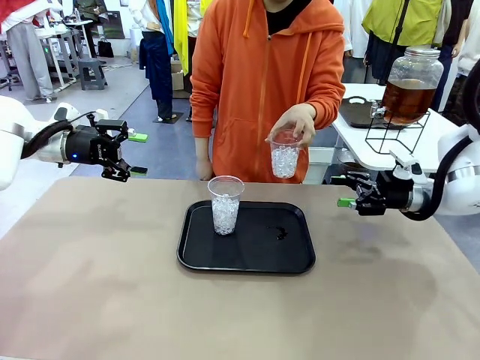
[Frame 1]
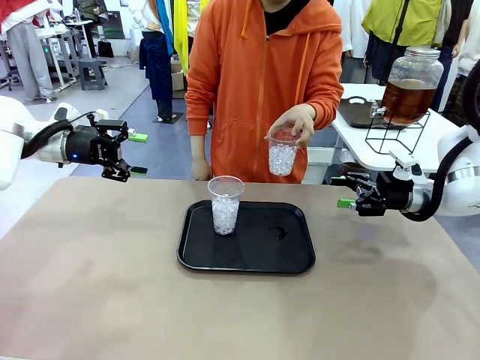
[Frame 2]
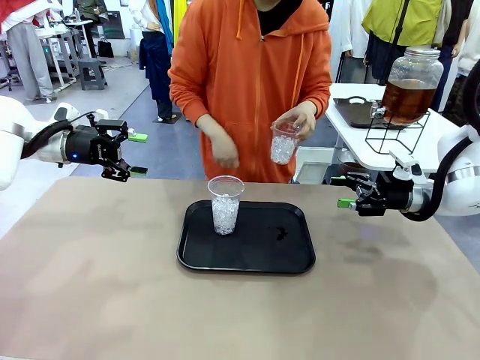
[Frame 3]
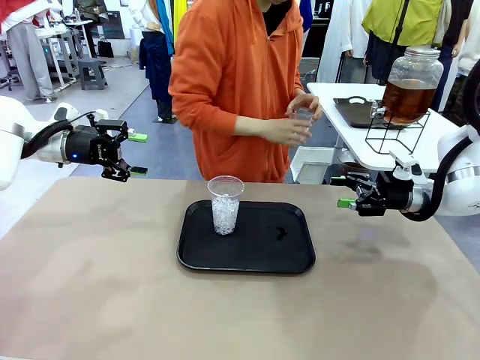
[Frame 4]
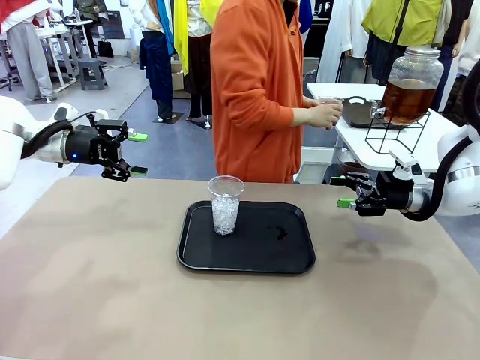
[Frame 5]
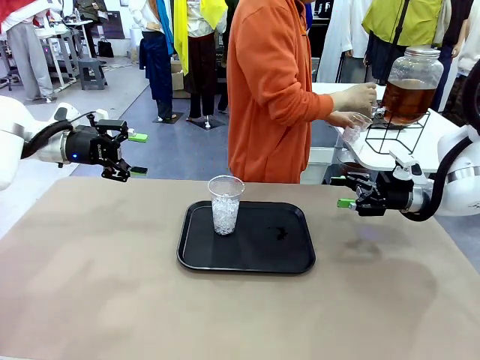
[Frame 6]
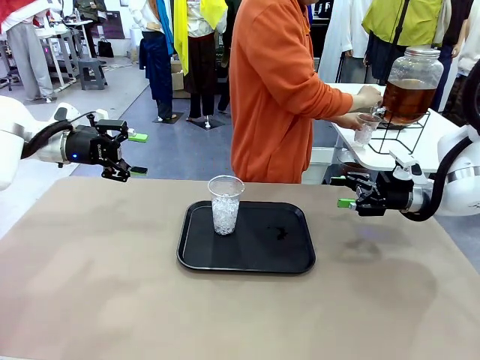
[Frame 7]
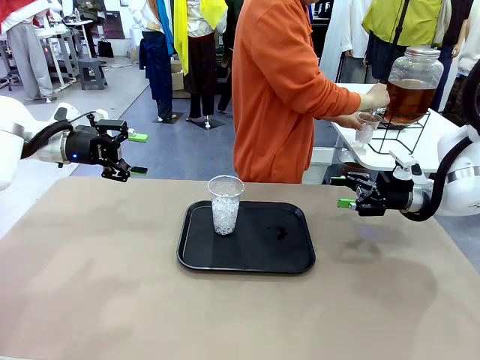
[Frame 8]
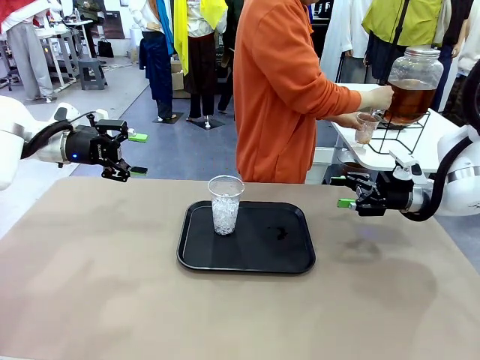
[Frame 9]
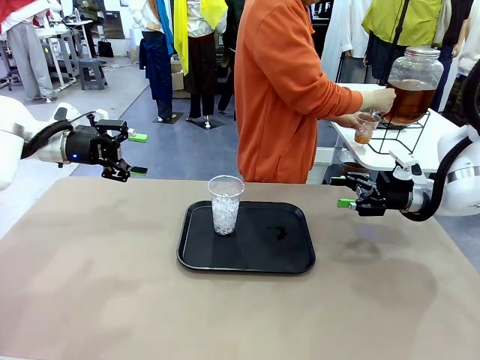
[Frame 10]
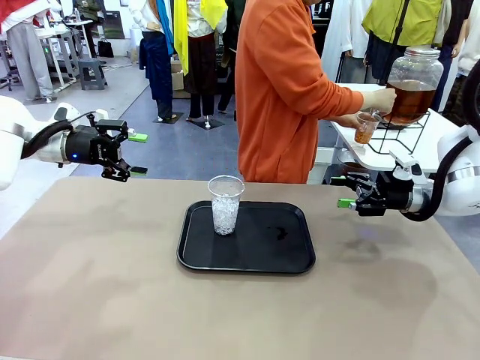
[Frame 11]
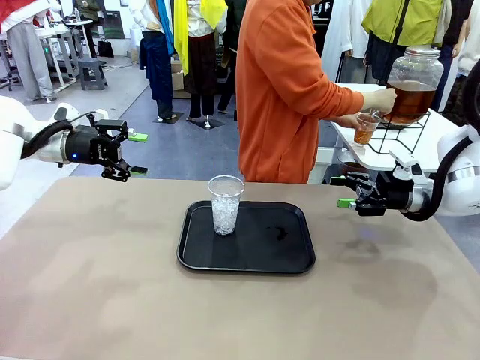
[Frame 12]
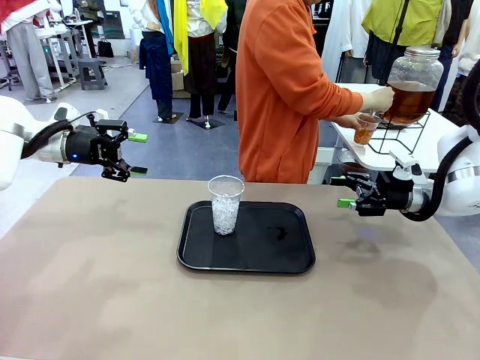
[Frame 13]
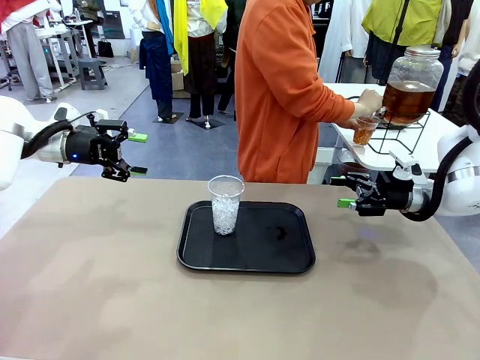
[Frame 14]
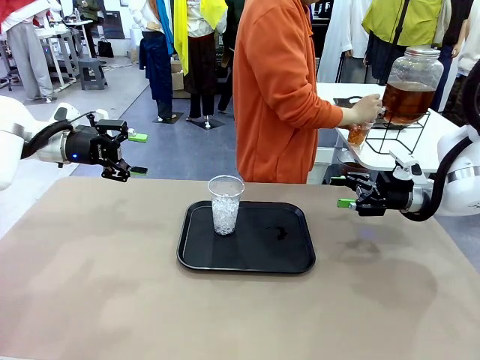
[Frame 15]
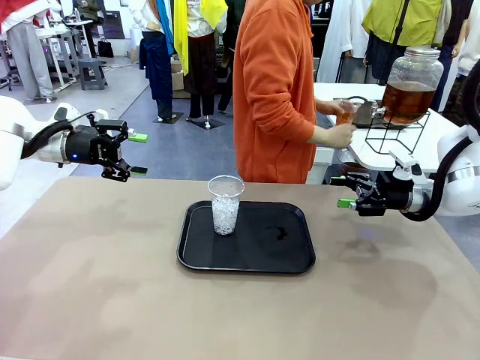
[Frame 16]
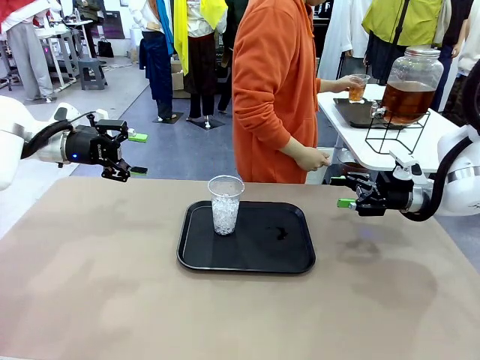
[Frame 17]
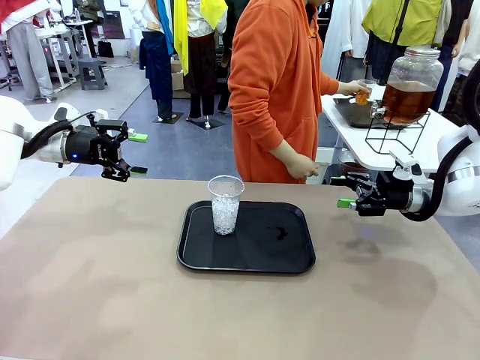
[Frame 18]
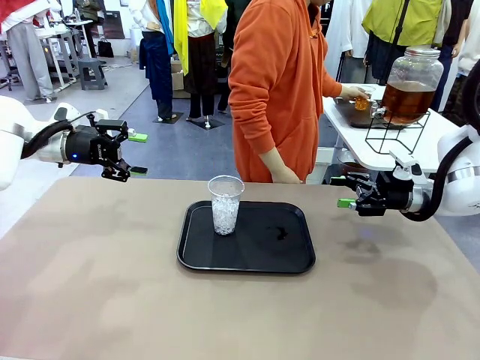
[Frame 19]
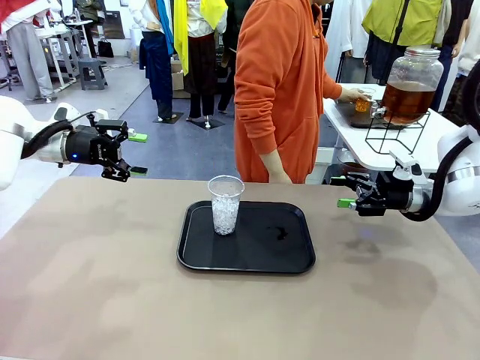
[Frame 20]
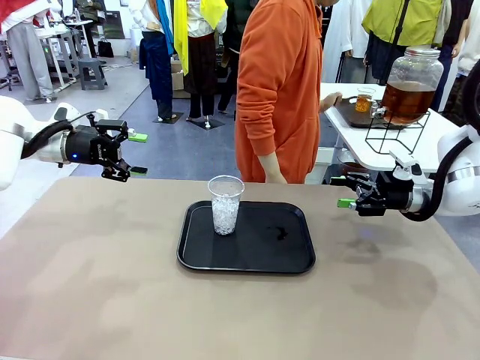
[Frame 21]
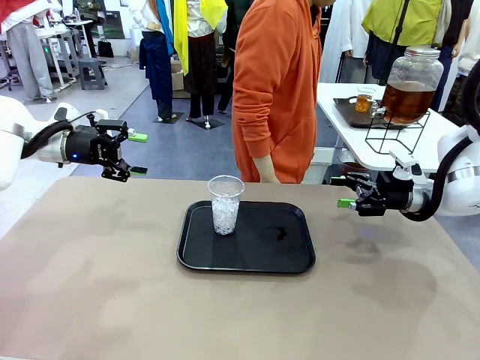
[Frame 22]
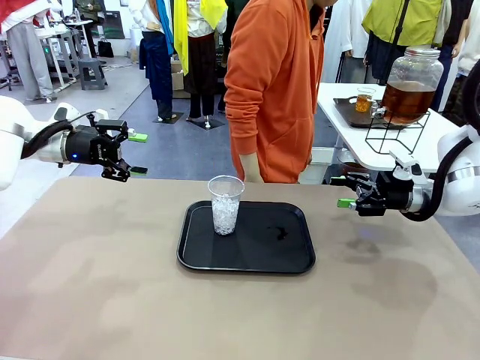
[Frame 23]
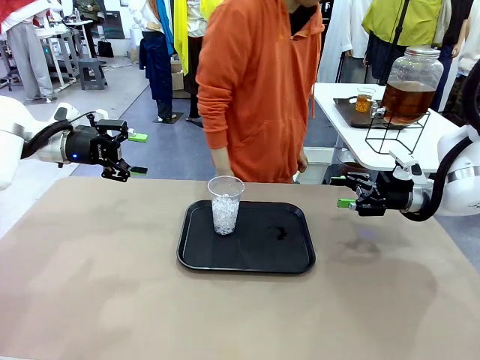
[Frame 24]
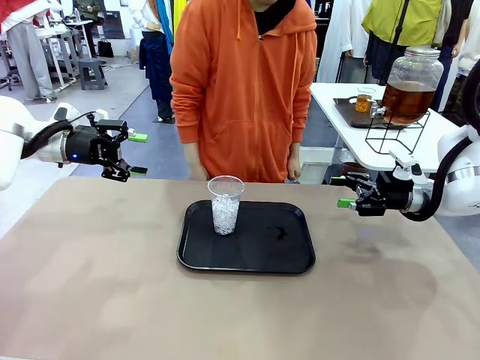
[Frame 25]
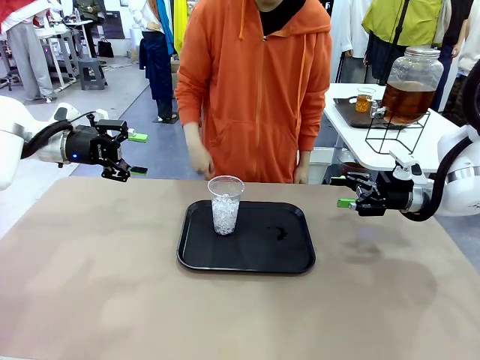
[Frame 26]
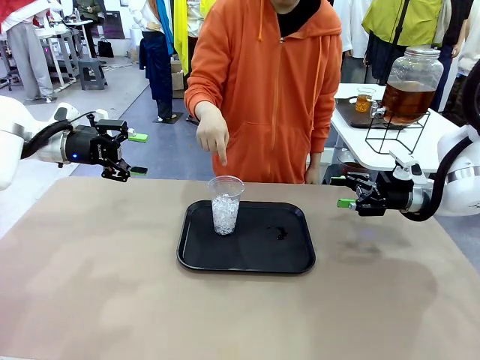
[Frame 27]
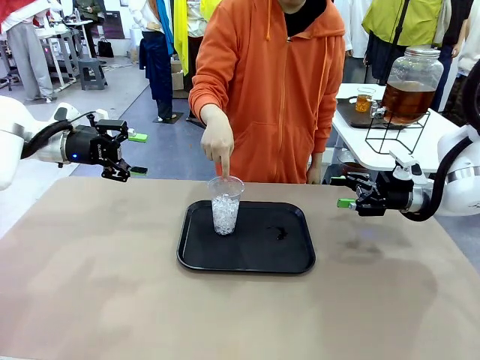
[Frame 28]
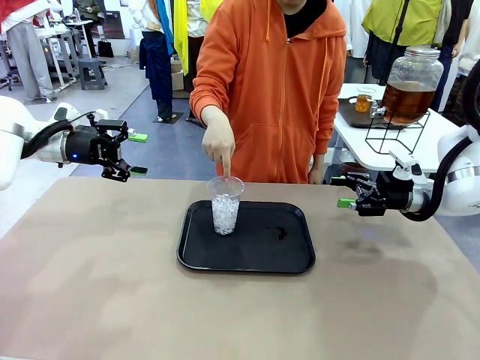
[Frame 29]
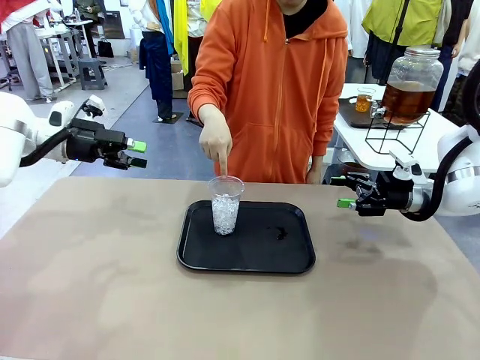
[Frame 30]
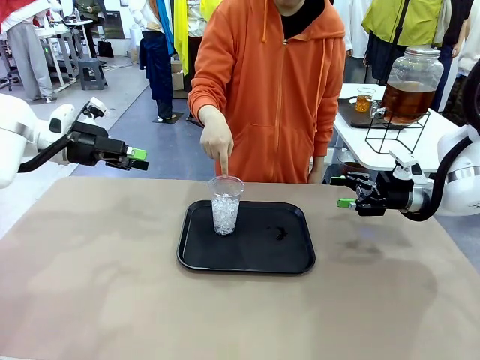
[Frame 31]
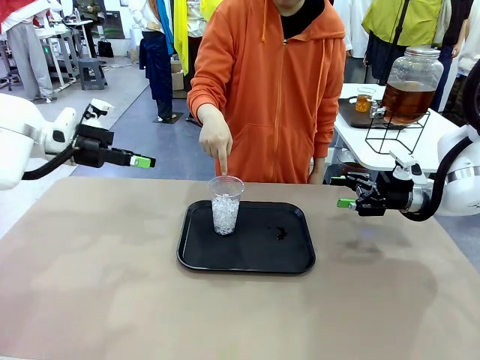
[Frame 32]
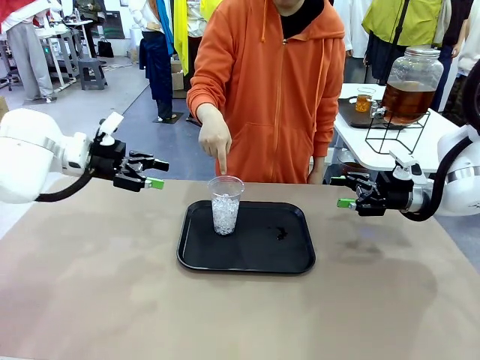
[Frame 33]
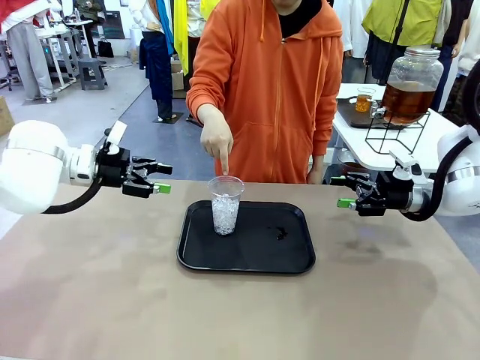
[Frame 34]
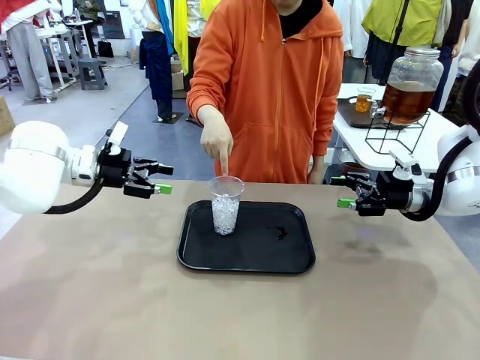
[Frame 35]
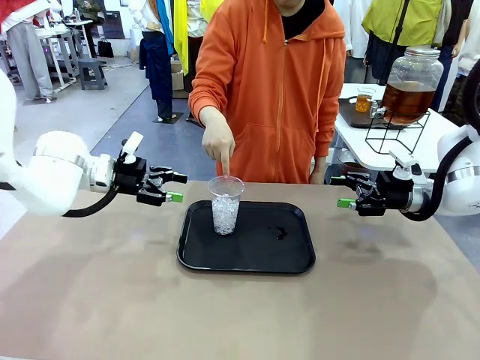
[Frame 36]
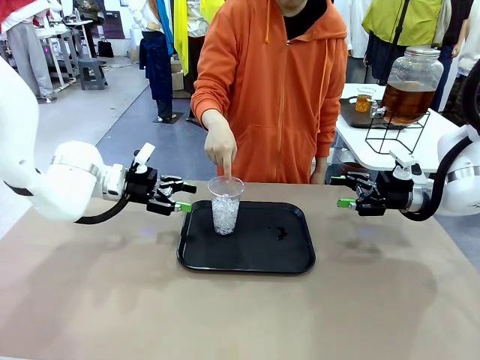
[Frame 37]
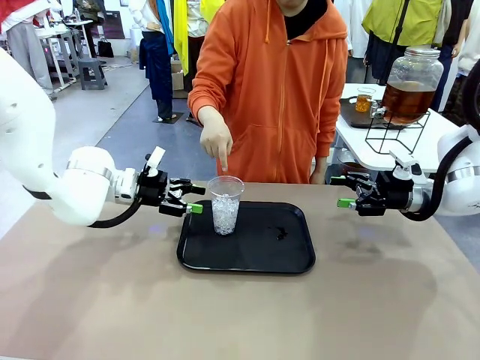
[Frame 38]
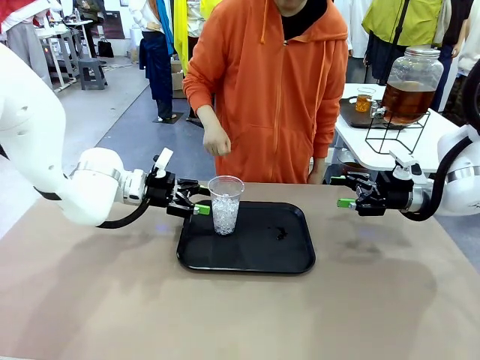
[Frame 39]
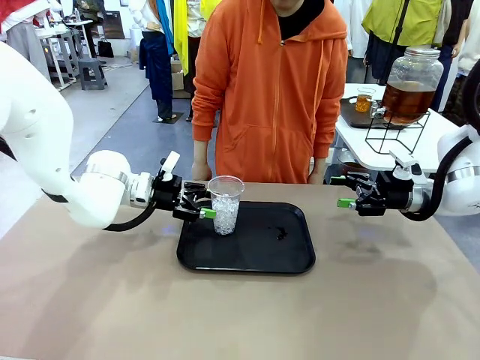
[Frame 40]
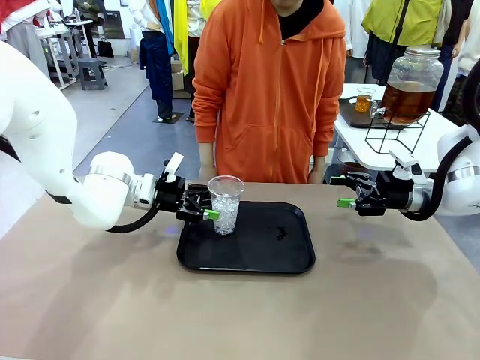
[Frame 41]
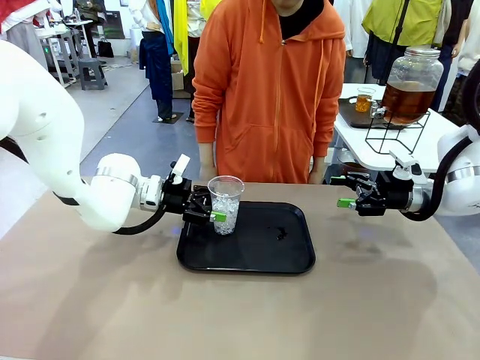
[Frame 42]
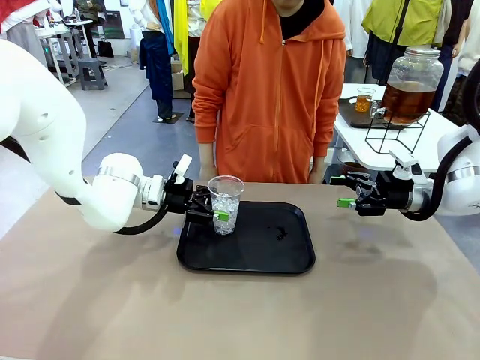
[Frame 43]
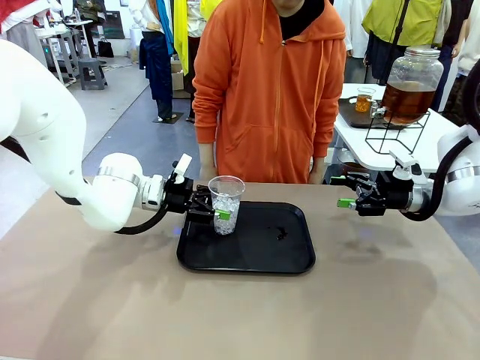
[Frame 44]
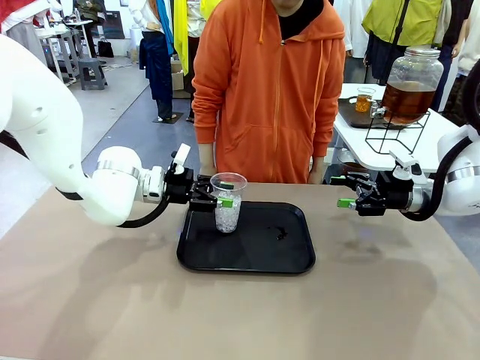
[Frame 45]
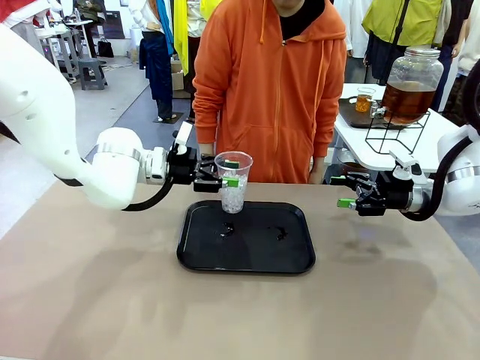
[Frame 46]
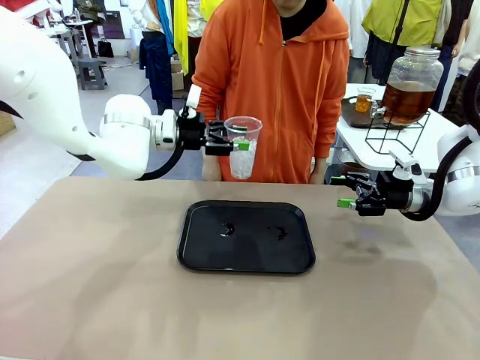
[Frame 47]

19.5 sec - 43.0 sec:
Task: Pour the drink into the iced cup.
Robot: Pick up the iced cup indicated by the human and present it to them.
Person: Move the picked-up cup under the dispenser faucet, pour the drink, and place it on the tray on the human table. Point to the remaining ice cup on the robot table. Pick up the cup offered by the robot.

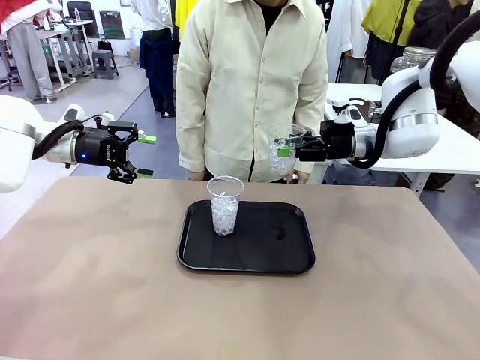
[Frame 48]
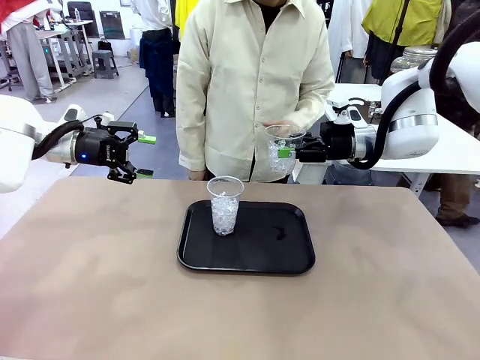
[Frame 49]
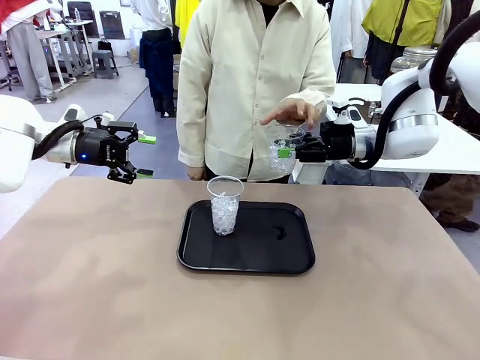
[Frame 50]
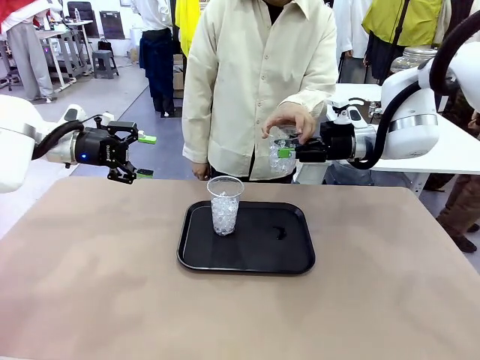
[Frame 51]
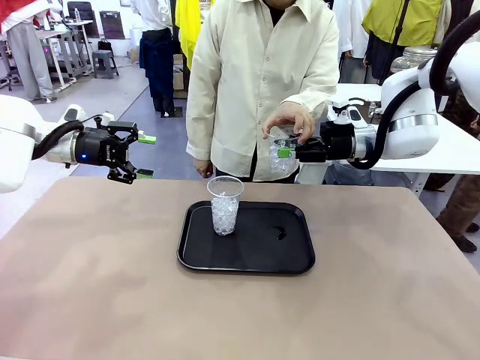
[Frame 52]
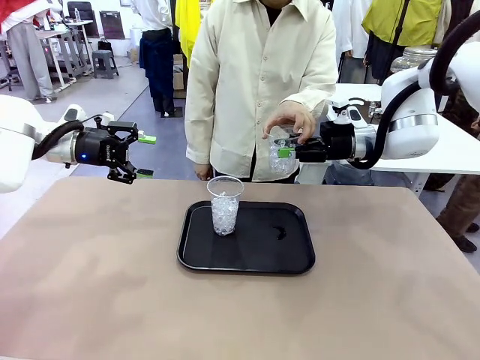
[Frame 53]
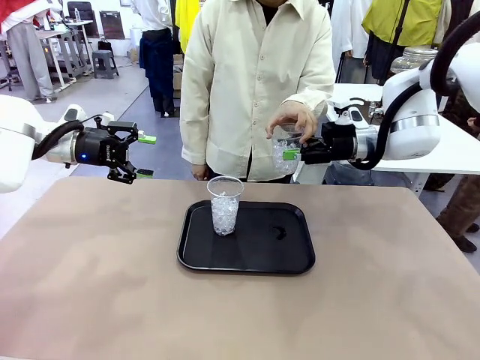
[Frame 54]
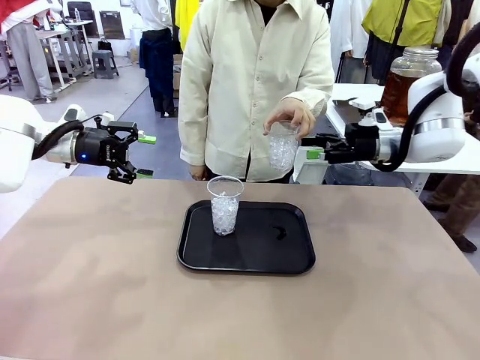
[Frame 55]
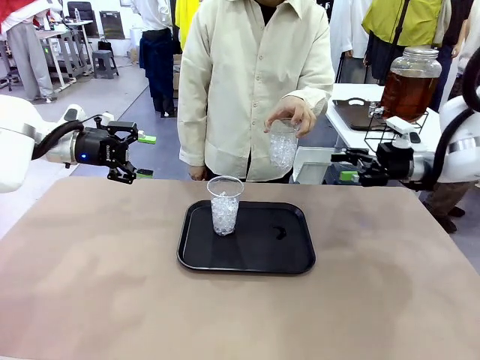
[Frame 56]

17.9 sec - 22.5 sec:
Task: Pour the drink into the iced cup.
Robot: Open the gripper to release the iced cup you were holding.
